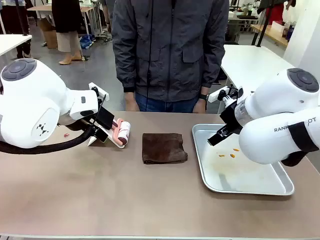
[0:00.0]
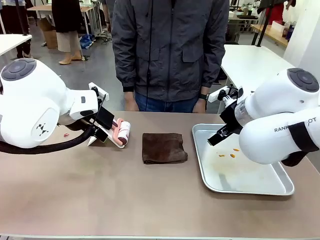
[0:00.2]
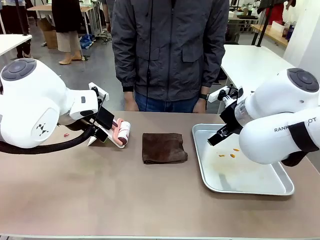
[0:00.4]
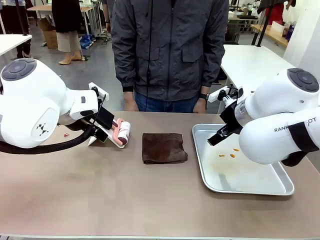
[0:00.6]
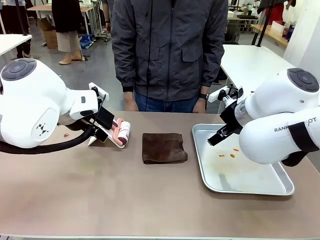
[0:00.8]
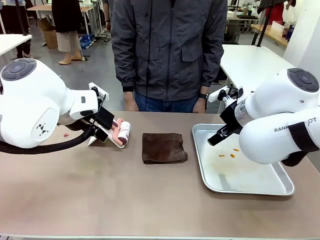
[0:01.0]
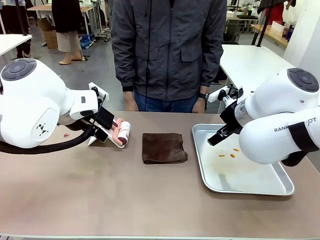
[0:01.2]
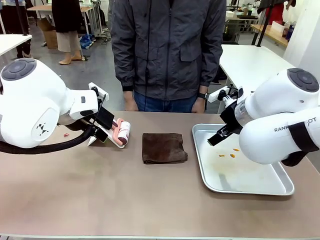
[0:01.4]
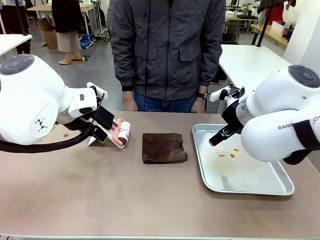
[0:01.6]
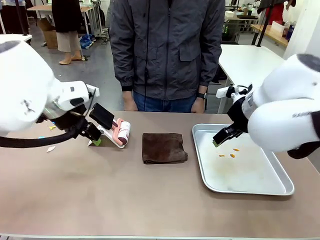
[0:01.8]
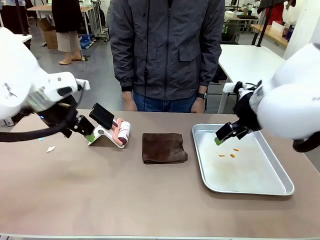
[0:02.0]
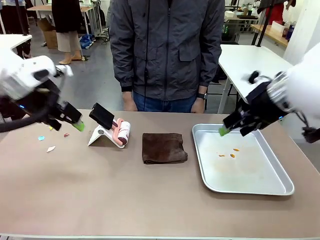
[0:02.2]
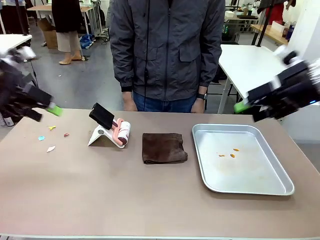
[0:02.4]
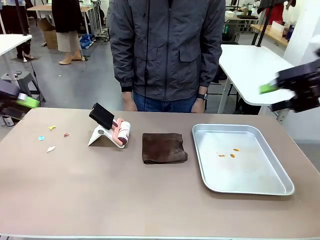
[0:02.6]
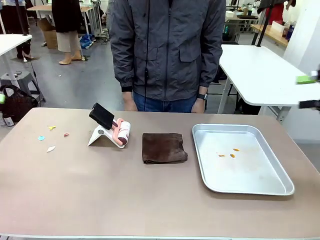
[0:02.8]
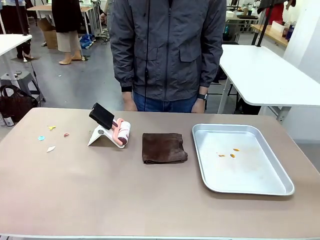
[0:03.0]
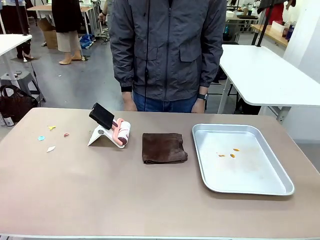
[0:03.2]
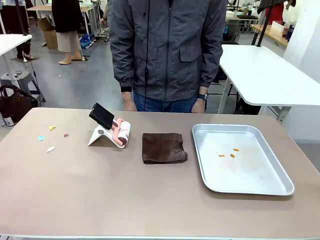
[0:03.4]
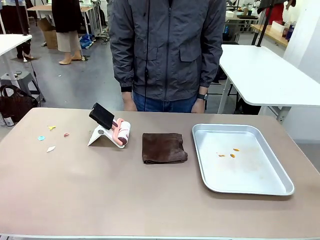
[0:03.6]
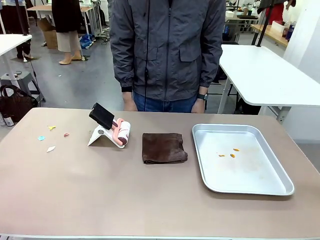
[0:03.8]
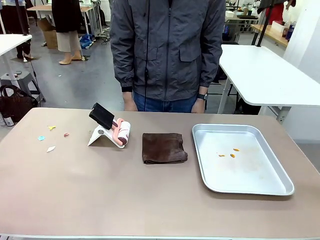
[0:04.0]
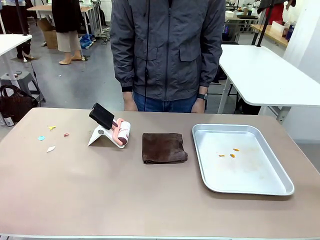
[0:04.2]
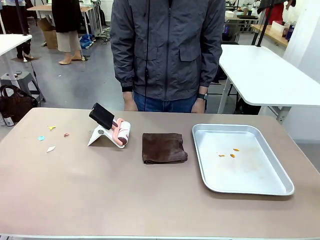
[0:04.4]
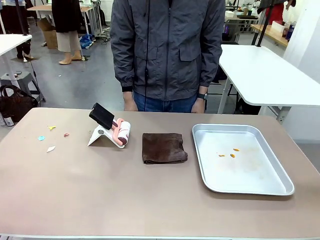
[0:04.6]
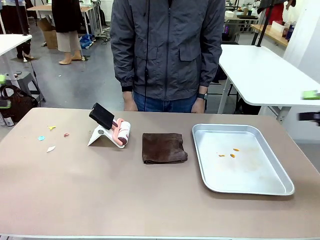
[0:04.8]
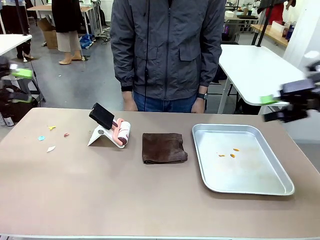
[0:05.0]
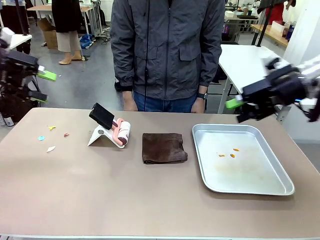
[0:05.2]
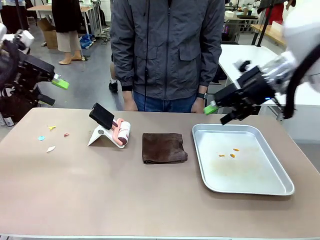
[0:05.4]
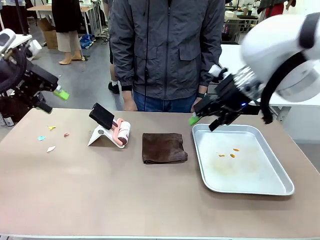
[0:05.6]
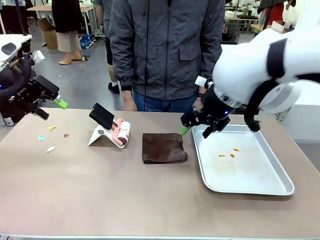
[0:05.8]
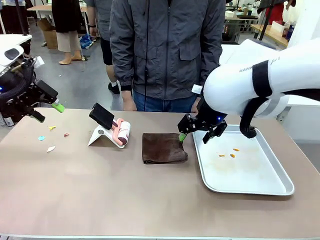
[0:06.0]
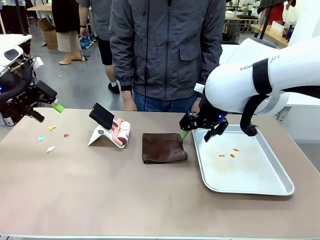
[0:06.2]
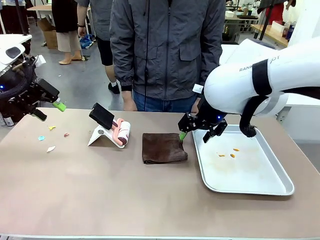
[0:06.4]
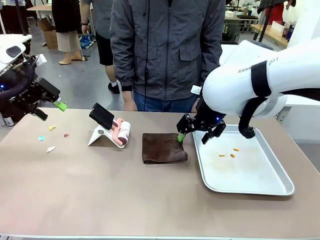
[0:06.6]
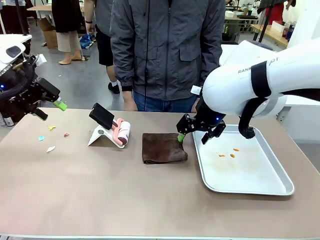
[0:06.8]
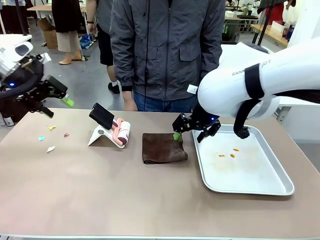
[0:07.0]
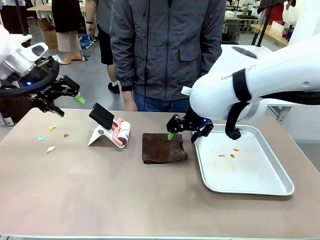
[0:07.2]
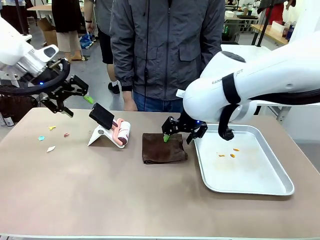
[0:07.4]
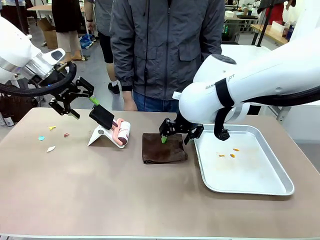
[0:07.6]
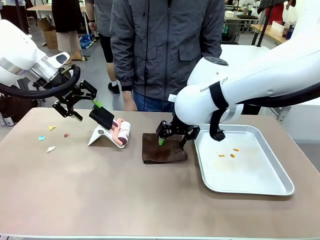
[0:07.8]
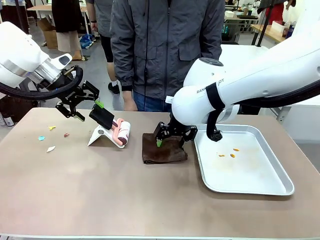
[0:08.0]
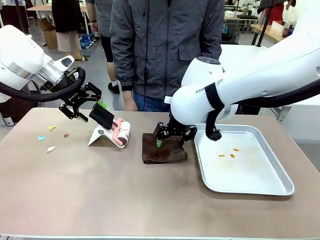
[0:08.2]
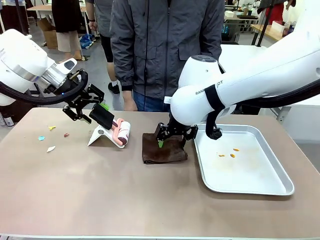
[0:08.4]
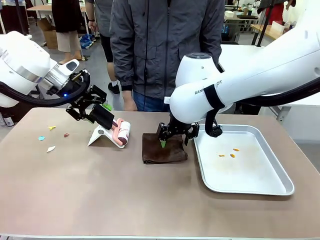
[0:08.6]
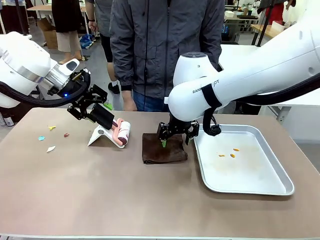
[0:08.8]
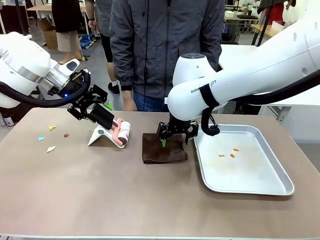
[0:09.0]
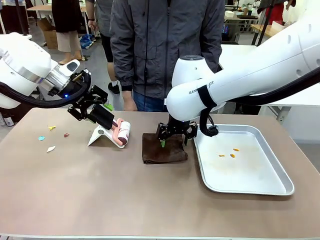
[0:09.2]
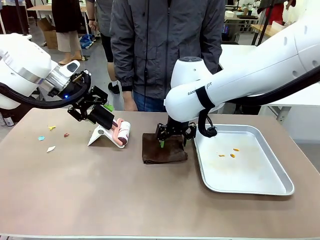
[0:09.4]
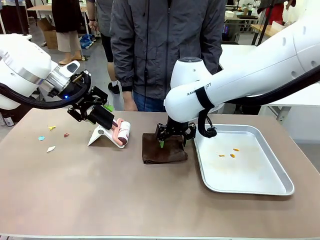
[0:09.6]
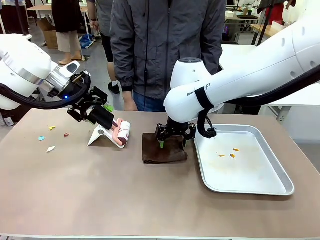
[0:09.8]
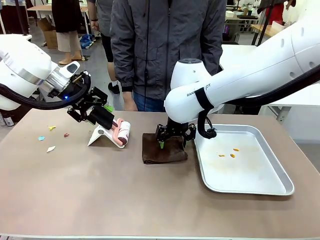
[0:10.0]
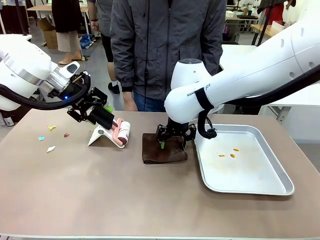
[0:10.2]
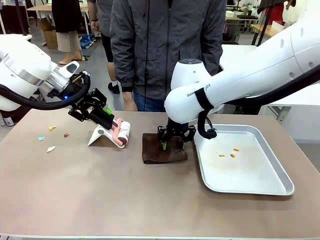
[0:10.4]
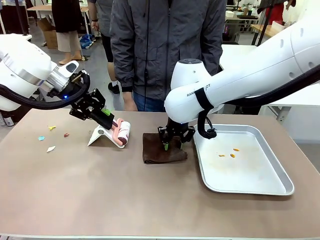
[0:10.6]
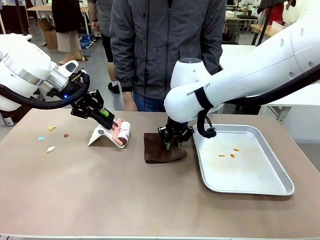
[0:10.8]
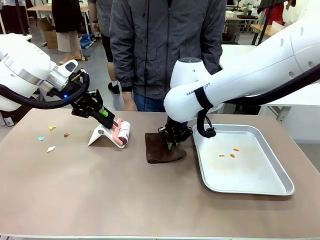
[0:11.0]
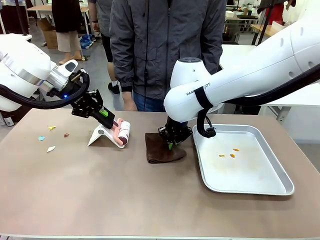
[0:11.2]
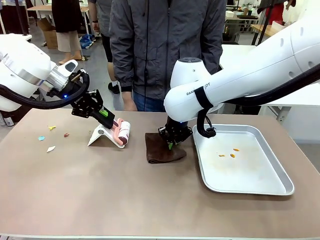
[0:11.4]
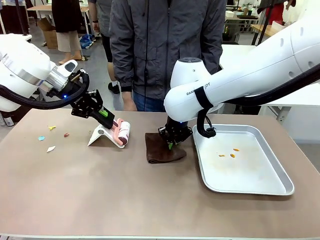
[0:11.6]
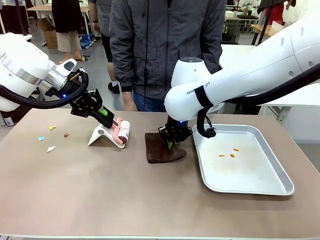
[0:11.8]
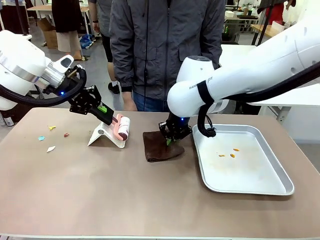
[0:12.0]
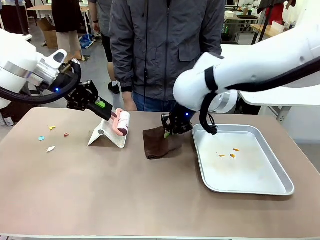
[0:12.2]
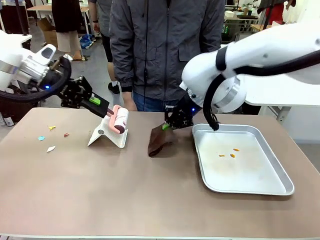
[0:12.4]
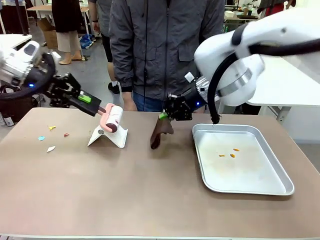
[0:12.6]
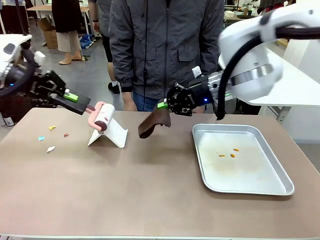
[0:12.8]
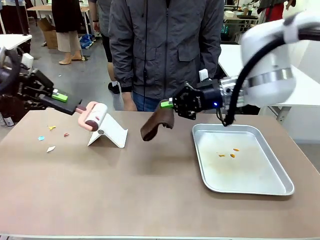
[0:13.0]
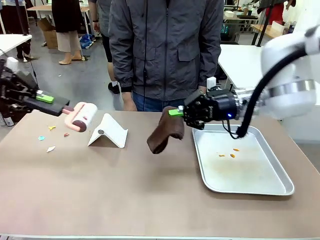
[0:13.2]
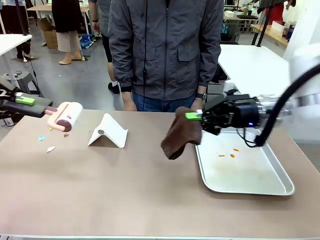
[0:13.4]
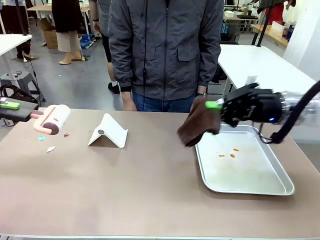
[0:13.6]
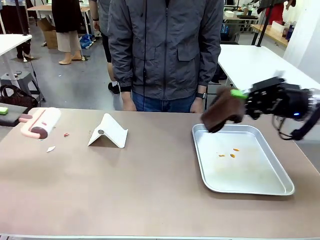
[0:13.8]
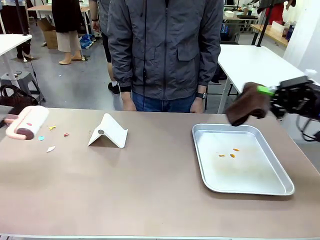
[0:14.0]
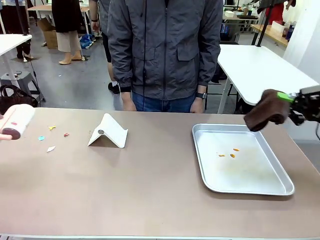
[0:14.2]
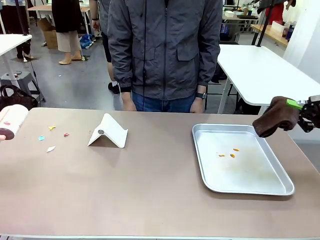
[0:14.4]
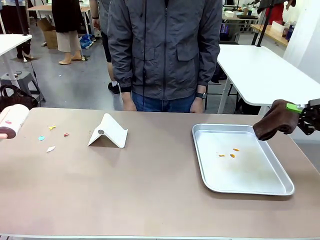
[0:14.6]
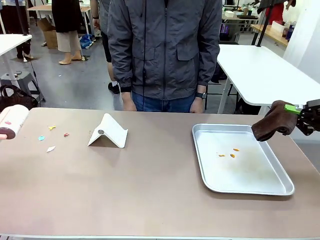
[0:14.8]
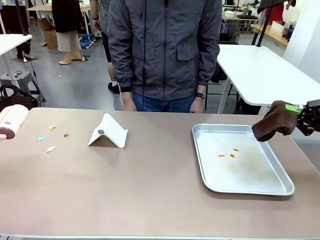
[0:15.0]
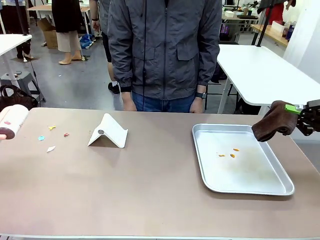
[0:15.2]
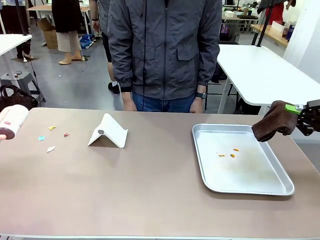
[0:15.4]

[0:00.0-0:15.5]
Task: Clean the surface of the table.
Robot: Hold the Lint Roller with your left hand and the towel with your right hand.

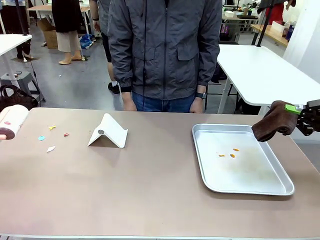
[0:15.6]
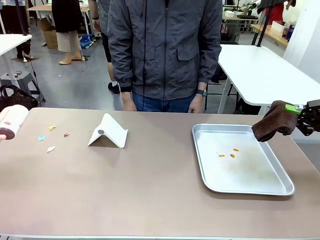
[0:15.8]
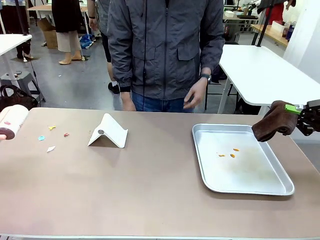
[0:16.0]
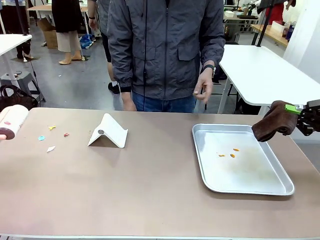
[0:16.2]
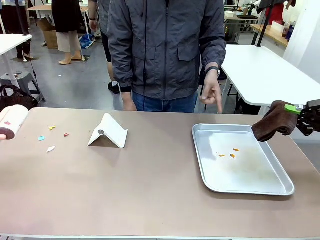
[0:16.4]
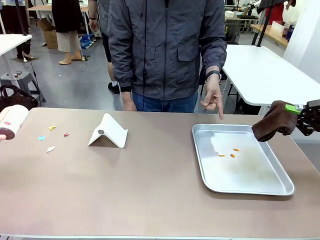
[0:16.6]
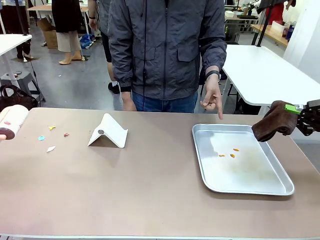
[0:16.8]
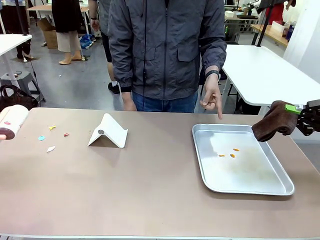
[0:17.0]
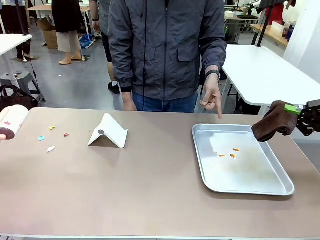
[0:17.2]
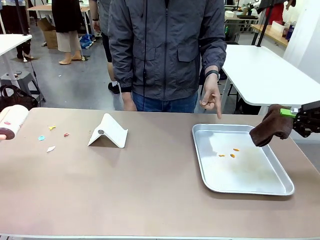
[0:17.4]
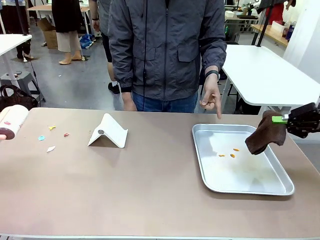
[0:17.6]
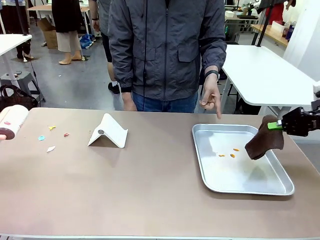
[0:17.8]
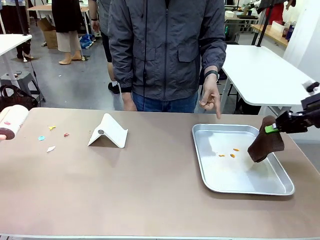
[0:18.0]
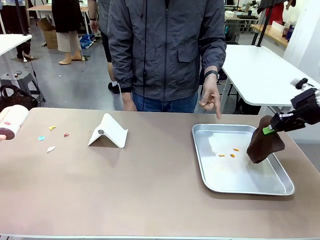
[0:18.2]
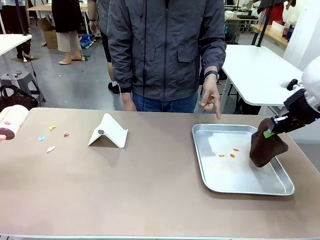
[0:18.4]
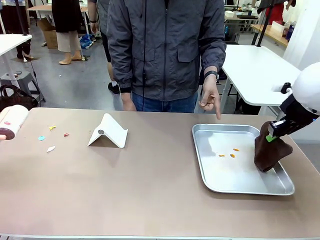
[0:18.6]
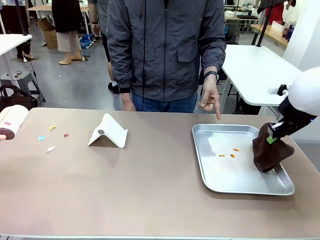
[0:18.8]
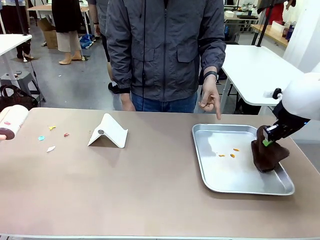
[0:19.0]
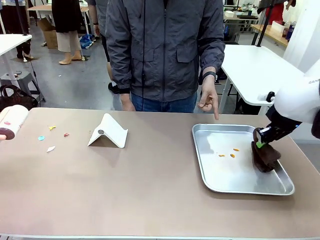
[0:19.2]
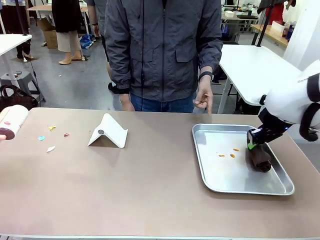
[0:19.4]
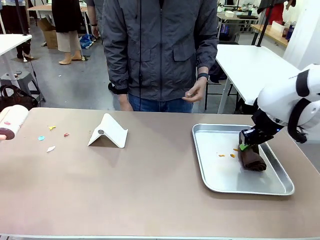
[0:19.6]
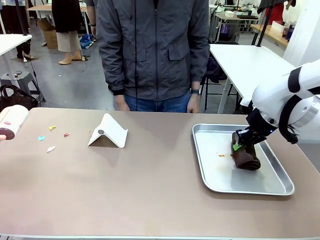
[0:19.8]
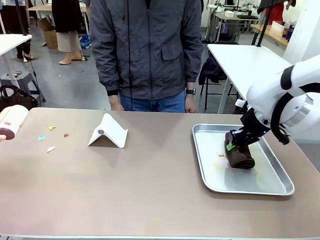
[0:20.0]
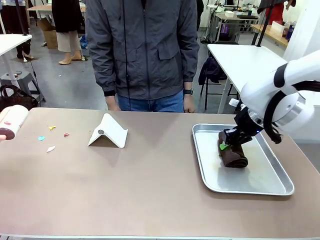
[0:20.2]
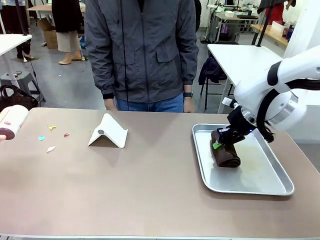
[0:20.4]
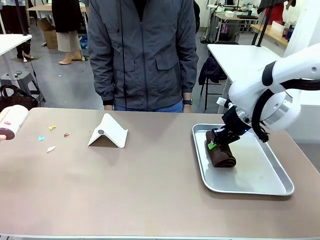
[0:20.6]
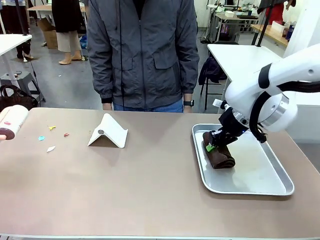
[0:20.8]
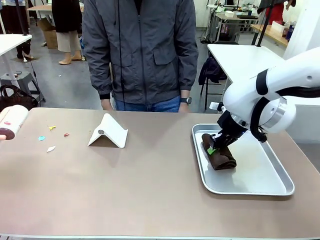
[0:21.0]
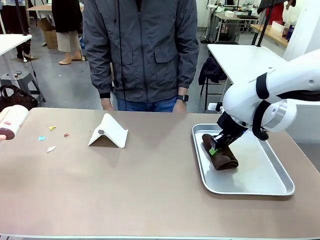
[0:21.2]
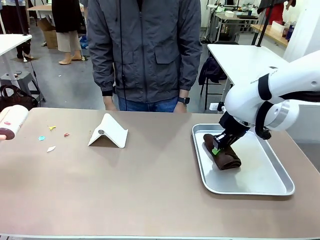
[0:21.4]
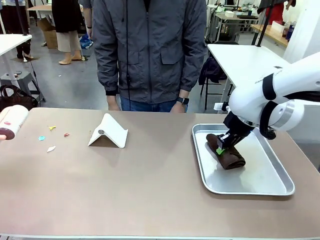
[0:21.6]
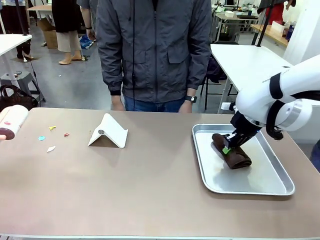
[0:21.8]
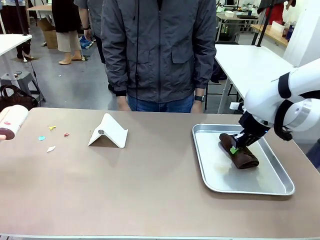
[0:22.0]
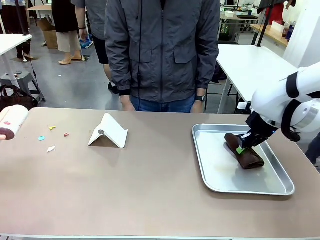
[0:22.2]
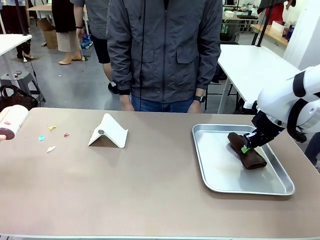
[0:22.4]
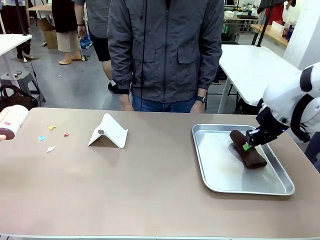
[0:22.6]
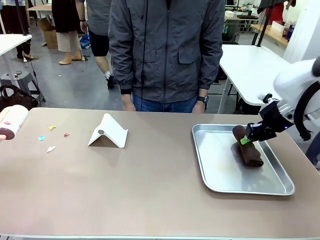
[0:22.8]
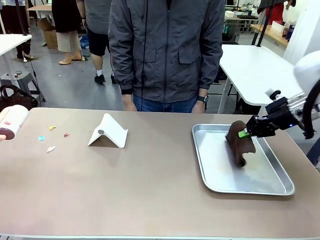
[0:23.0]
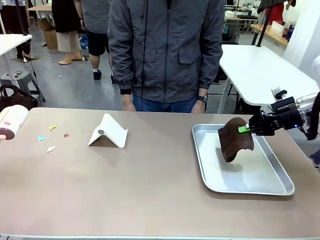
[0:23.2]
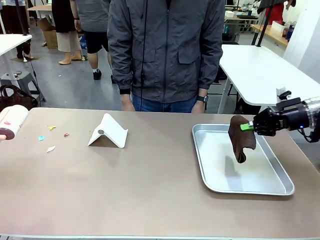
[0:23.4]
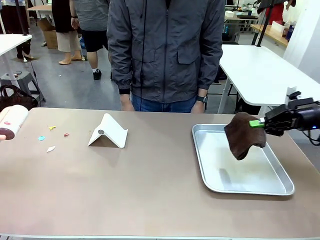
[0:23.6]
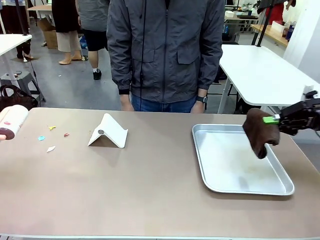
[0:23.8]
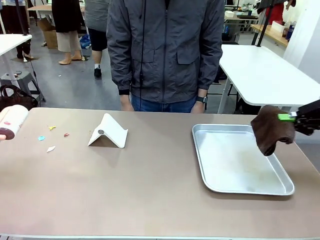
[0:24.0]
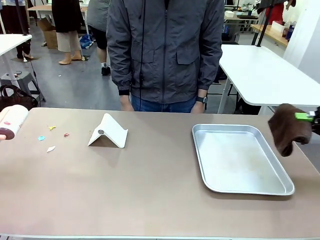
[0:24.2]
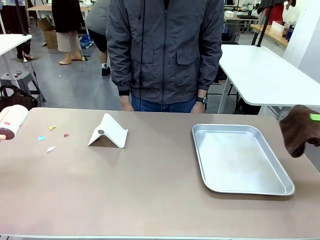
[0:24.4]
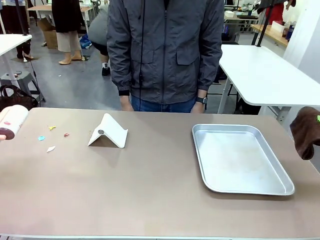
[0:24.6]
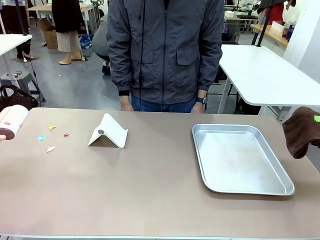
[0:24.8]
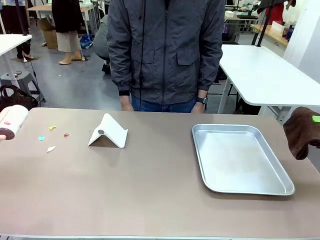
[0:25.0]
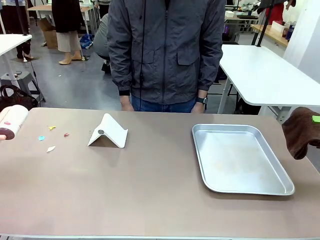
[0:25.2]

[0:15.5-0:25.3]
Robot: If a person points to the right, clean the right side of the table with your right hand, and if they point to the left, clean the left side with your left hand.
